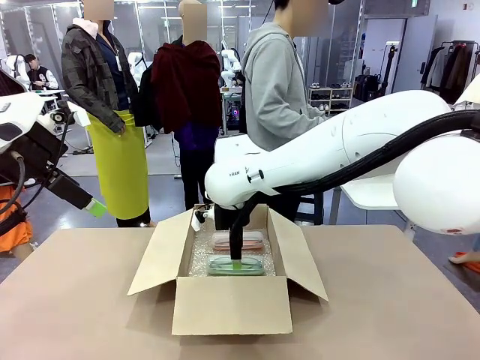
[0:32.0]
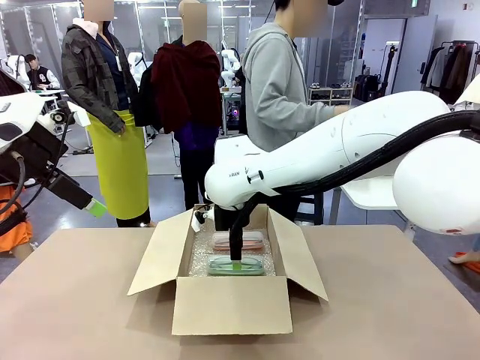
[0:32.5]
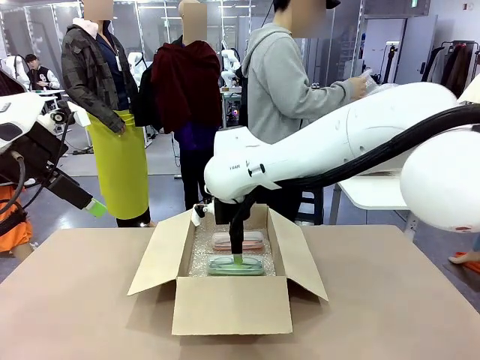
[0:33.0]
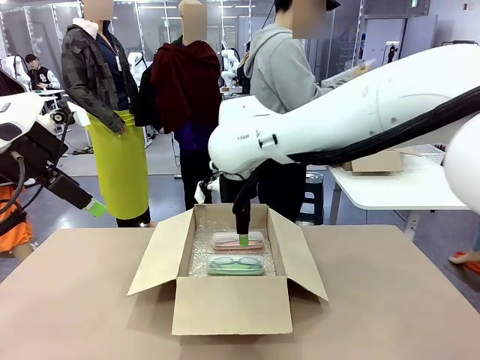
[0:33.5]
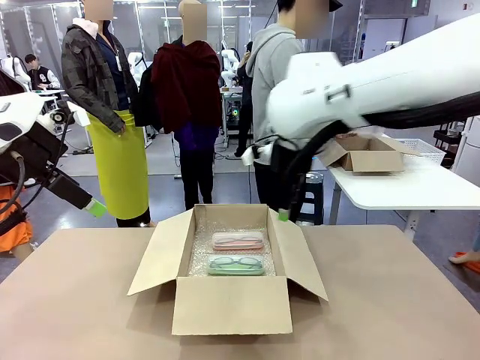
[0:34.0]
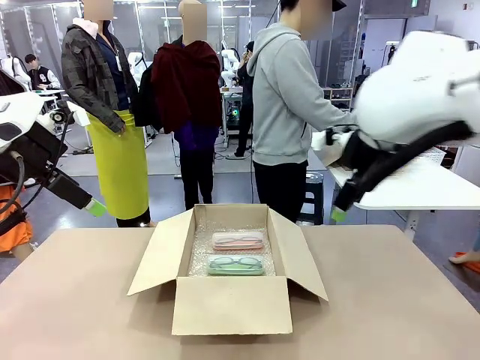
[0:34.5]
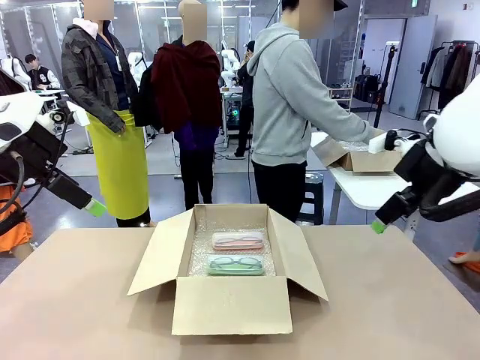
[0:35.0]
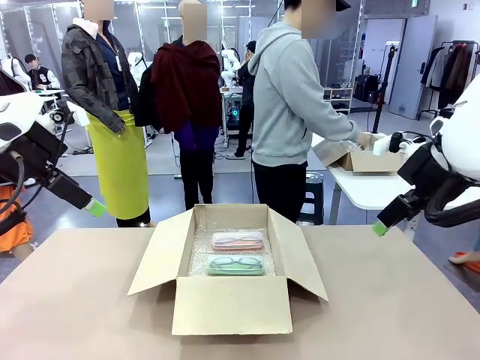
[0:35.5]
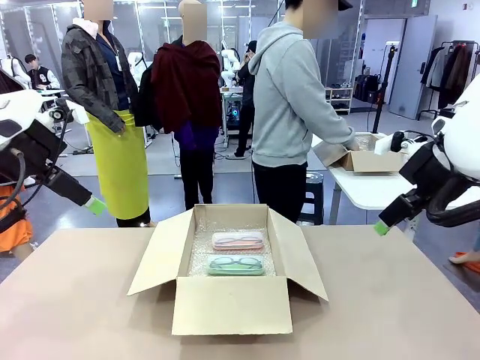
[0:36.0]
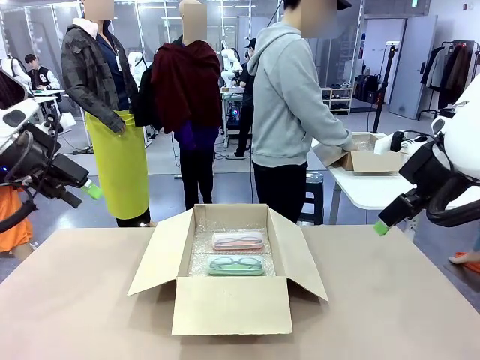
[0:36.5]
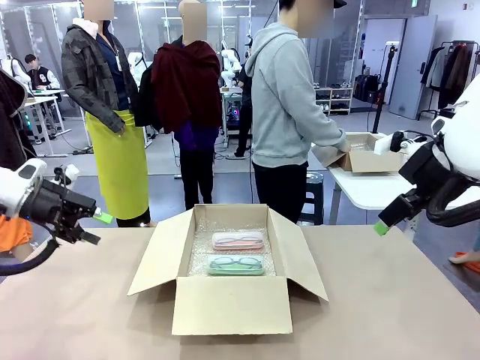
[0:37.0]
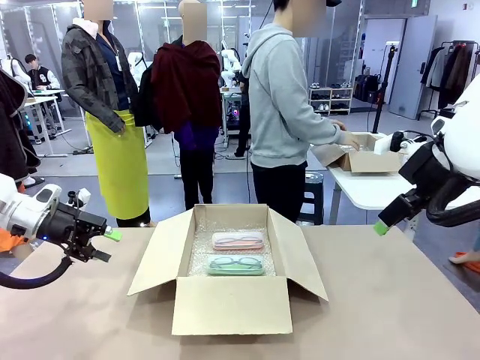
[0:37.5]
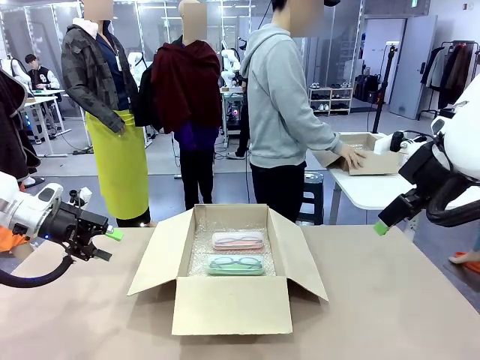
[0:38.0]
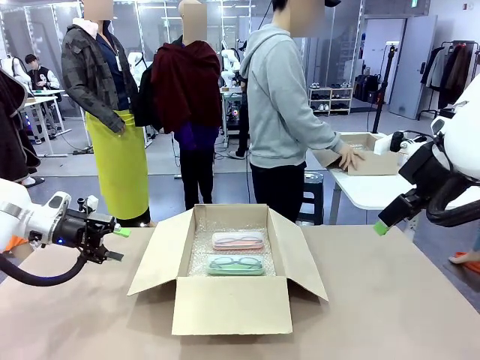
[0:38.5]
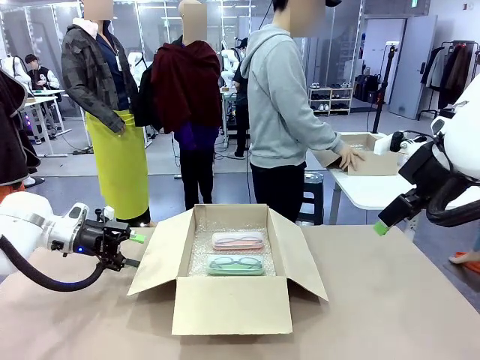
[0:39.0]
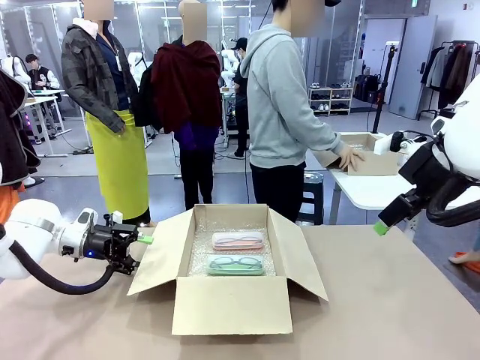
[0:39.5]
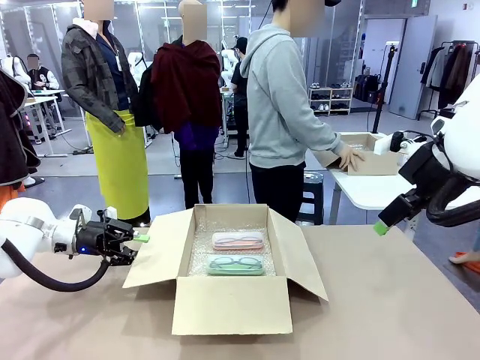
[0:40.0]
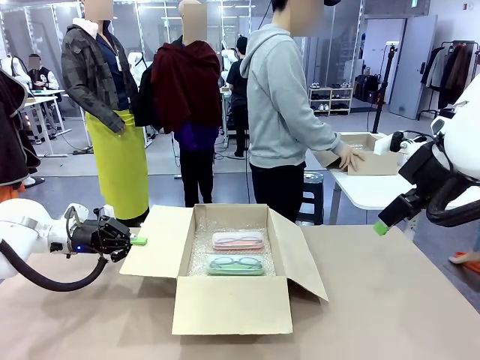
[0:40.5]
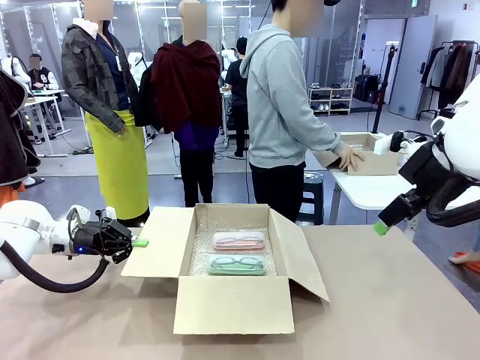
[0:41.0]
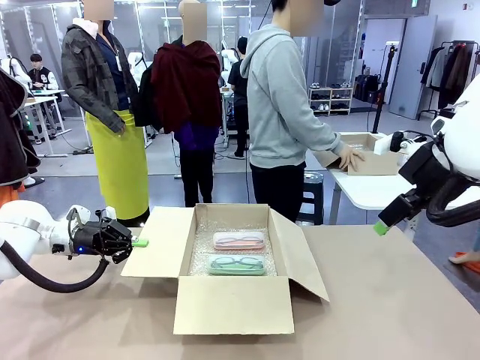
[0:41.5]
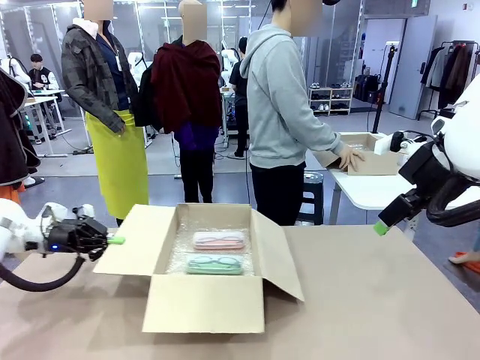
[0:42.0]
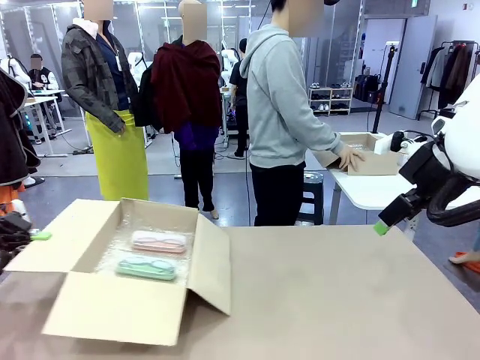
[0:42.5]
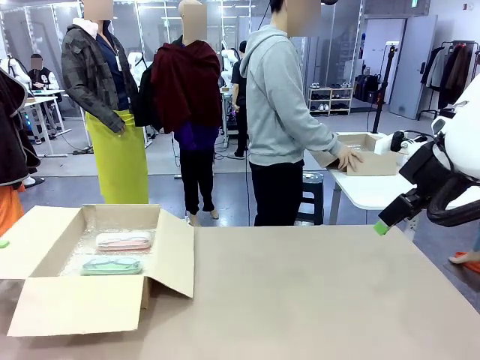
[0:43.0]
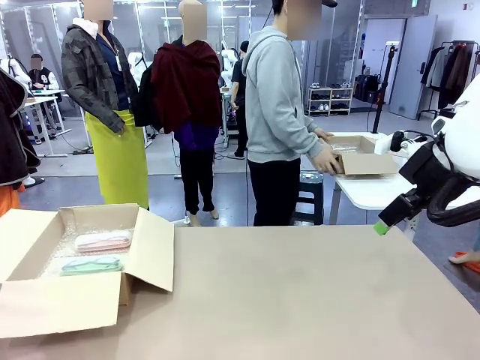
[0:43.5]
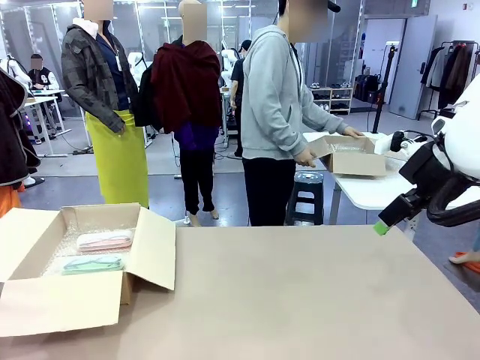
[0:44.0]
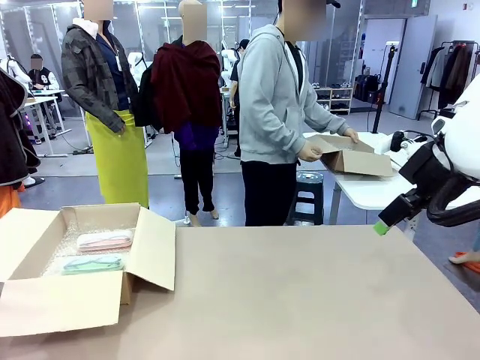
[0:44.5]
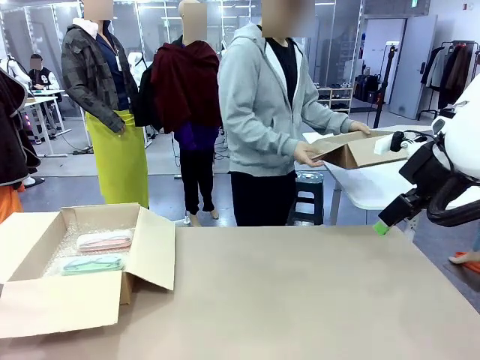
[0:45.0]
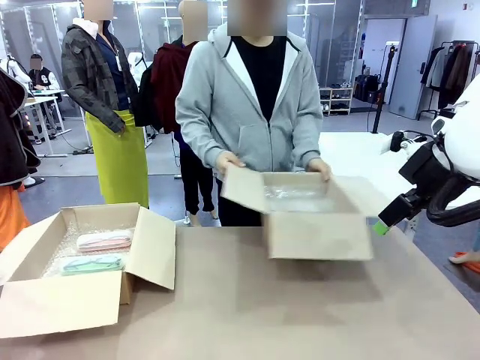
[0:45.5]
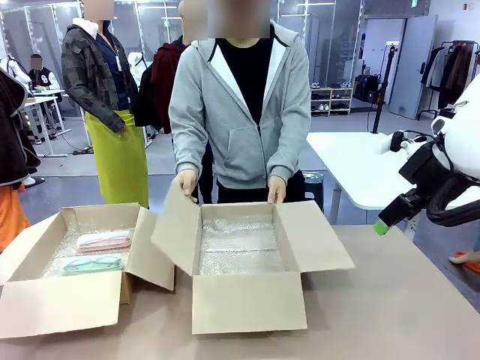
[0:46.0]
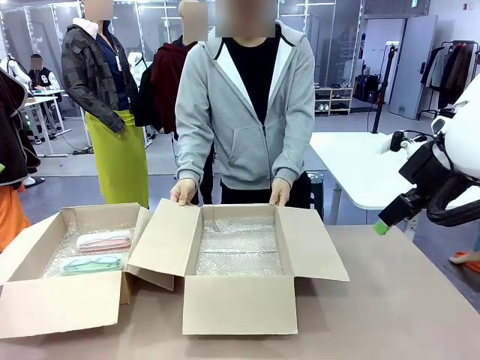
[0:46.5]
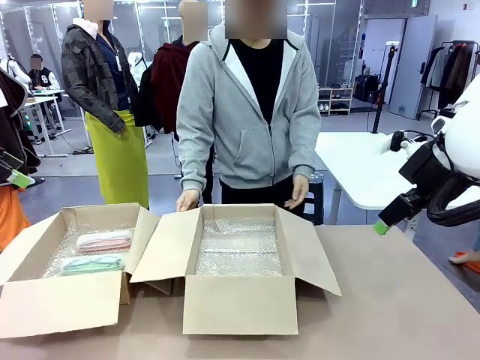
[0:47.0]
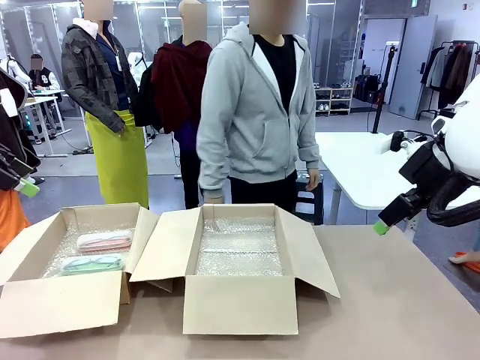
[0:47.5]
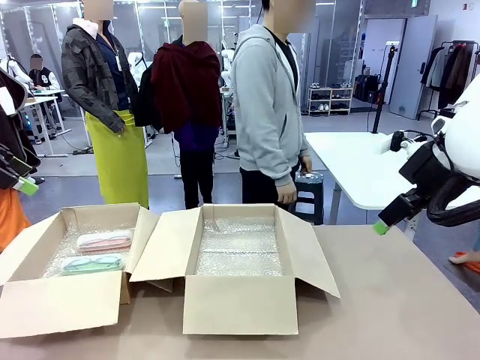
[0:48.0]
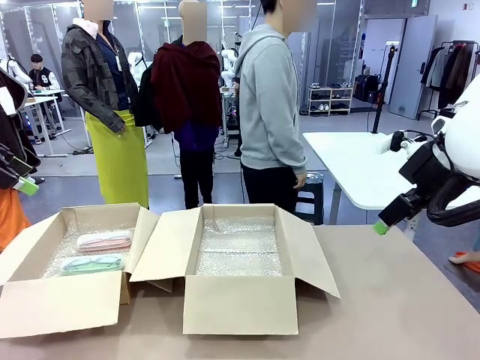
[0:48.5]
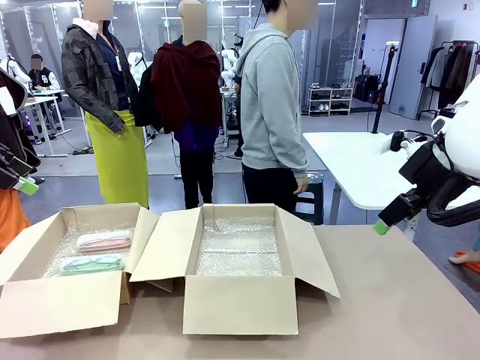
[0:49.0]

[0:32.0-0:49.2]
Task: Pack the glasses set securely to prepare it for shipping.
Robot: Position the Package Box on the left side of the table.
Person: Position the empty Package Box in the middle of the robot's table.

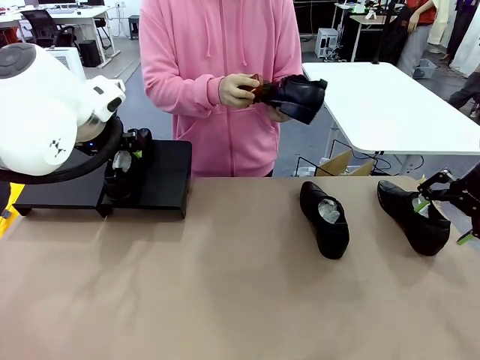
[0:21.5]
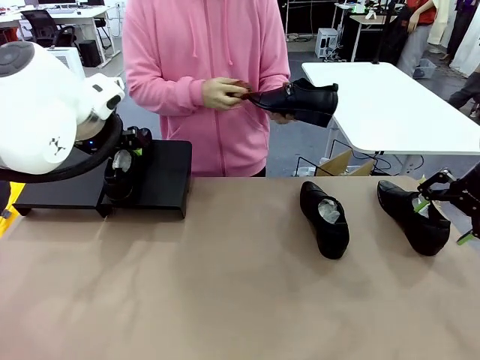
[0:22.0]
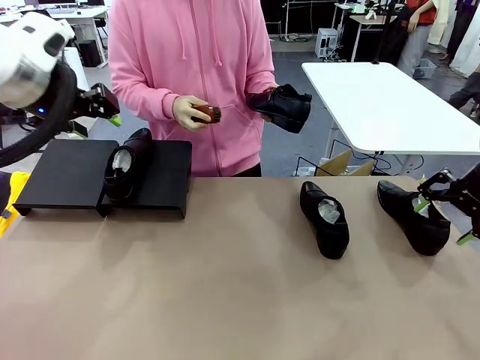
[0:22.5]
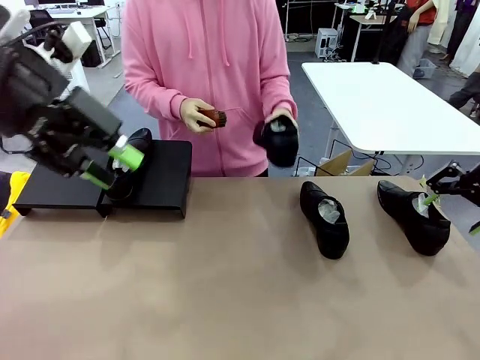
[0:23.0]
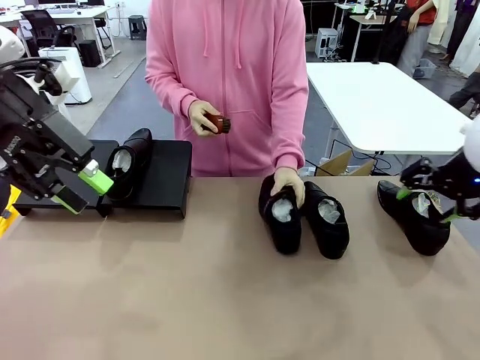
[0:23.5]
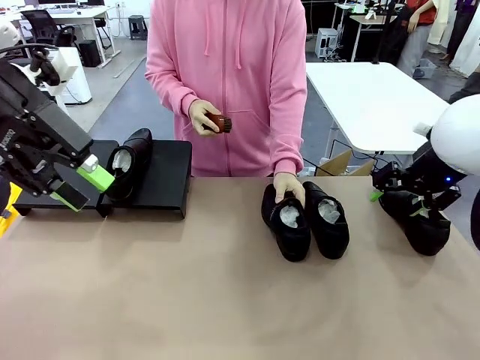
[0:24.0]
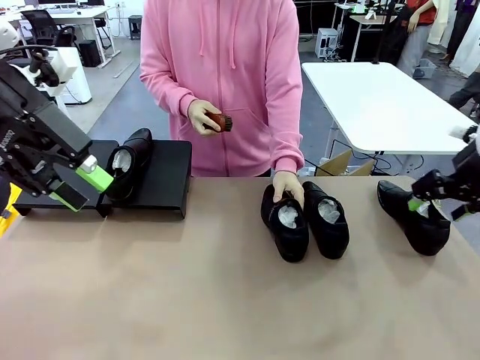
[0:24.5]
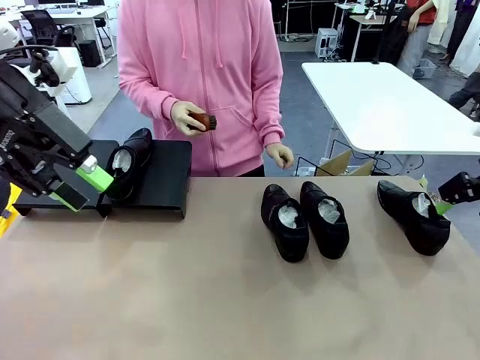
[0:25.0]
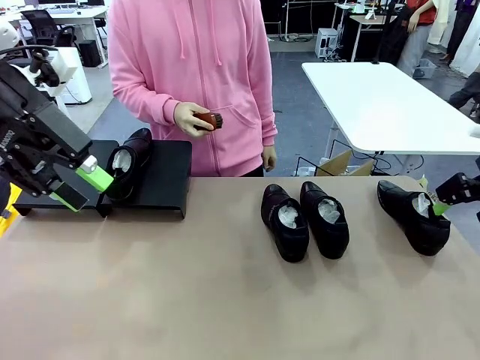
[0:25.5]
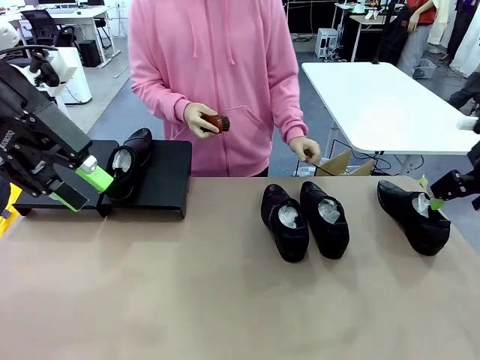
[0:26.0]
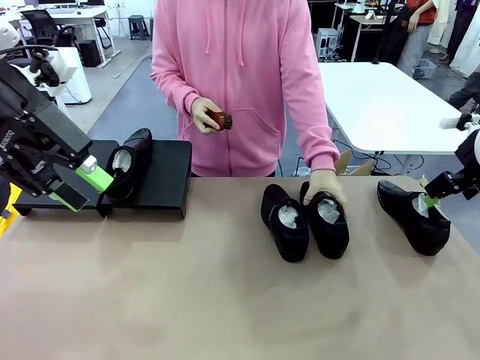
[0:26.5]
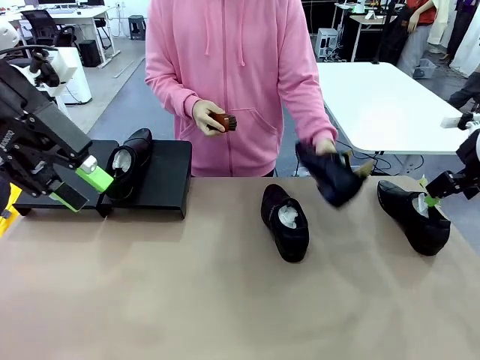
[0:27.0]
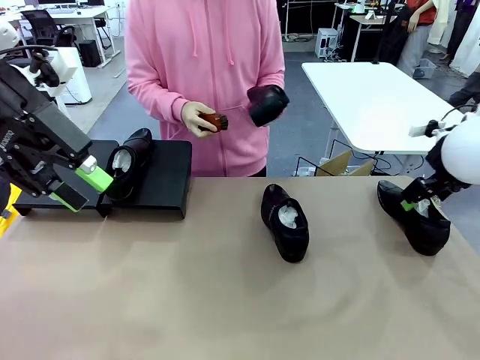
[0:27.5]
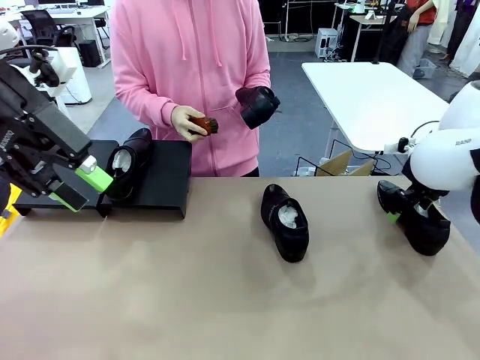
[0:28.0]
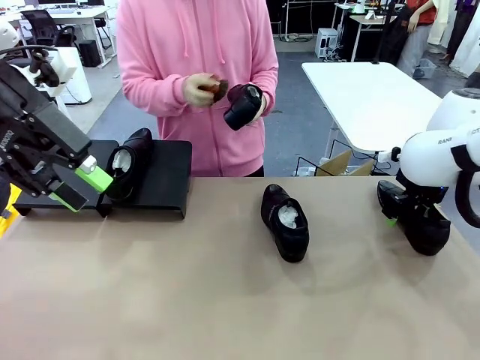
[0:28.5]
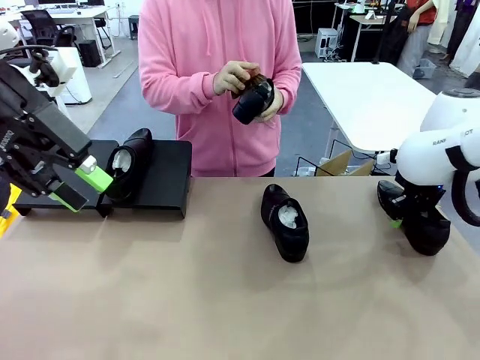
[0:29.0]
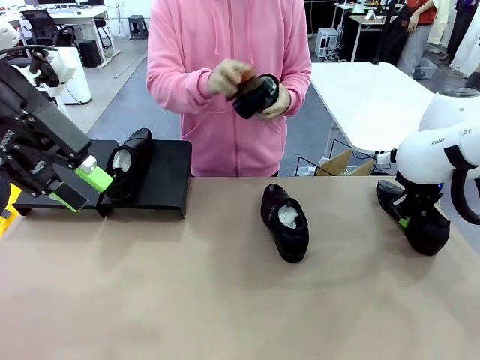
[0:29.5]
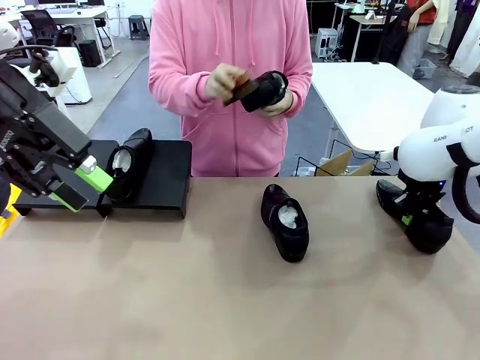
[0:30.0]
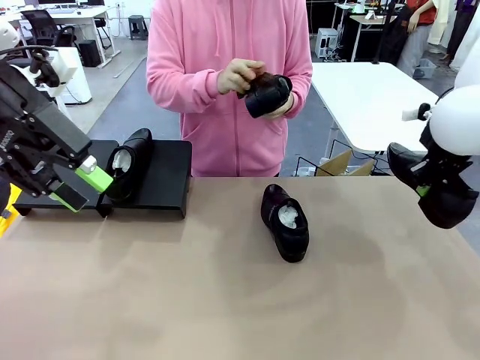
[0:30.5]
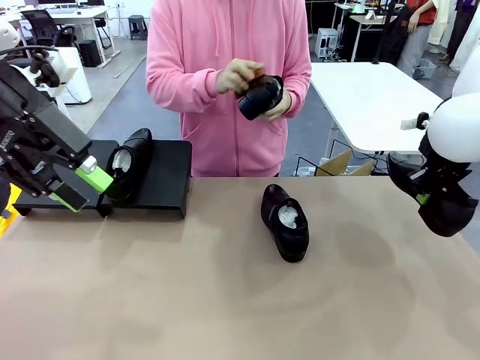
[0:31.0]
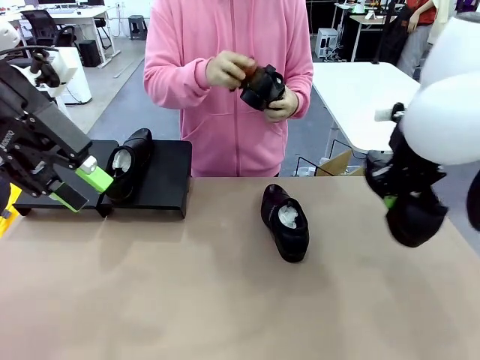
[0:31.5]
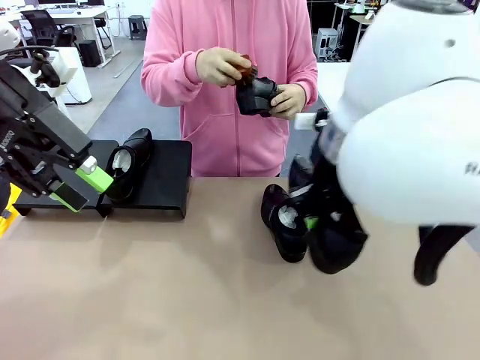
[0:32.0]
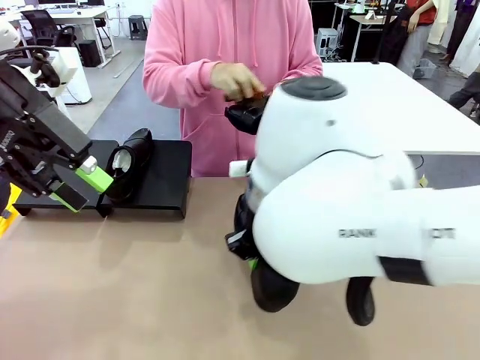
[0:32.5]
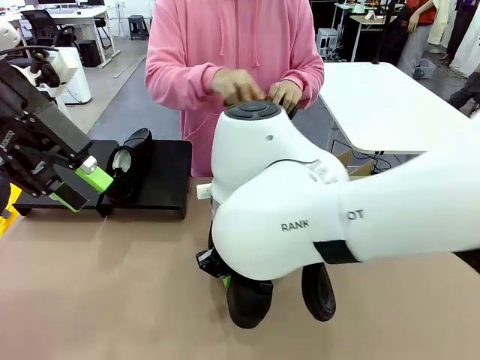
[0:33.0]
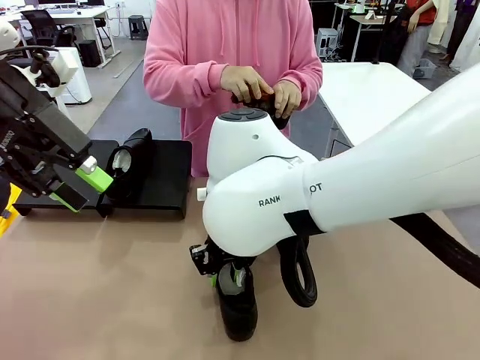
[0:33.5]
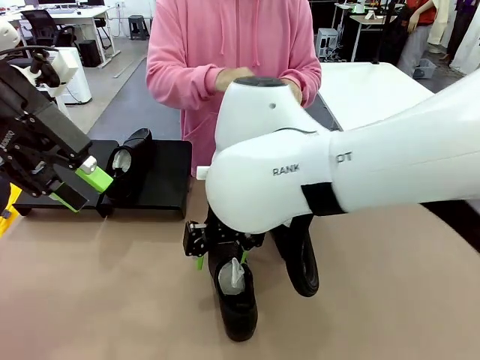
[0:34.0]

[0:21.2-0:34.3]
Task: Organize the shoes by placing them on the stand.
Robot: Pick up one Shoe and place it in the middle of the table.
Person: Place the Shoe on left side of the Robot's table. Pick one Shoe on Robot's table.
